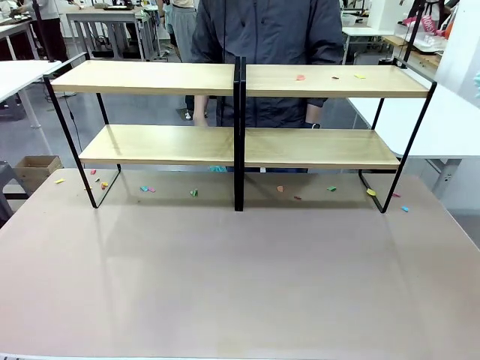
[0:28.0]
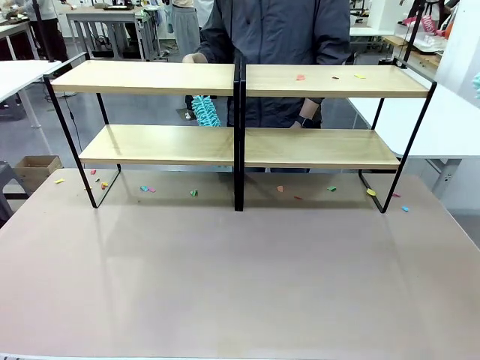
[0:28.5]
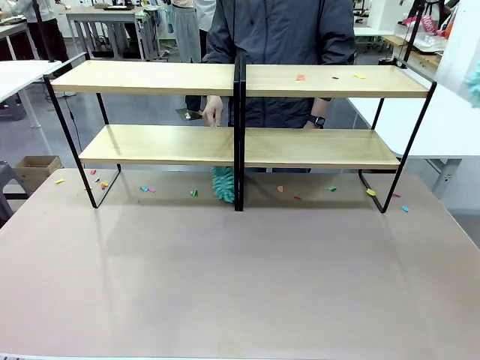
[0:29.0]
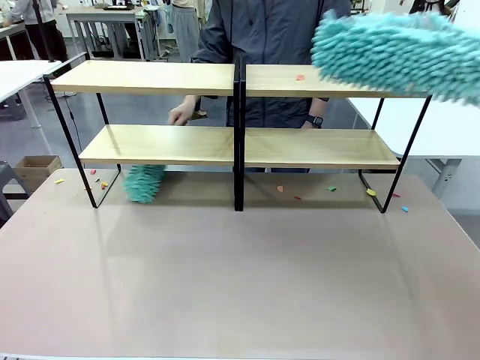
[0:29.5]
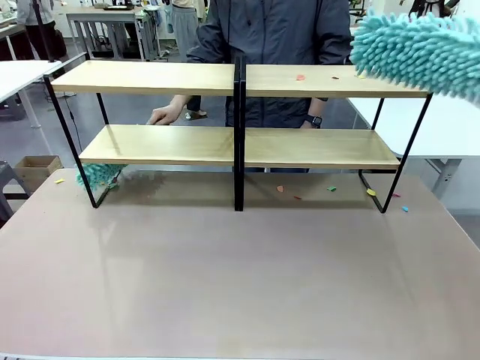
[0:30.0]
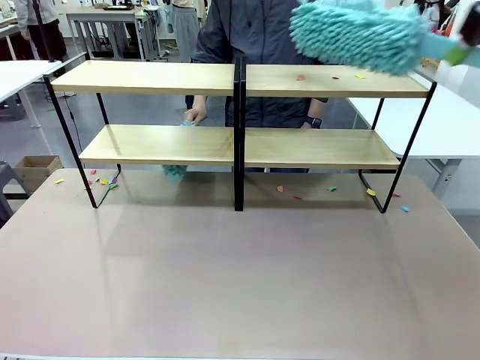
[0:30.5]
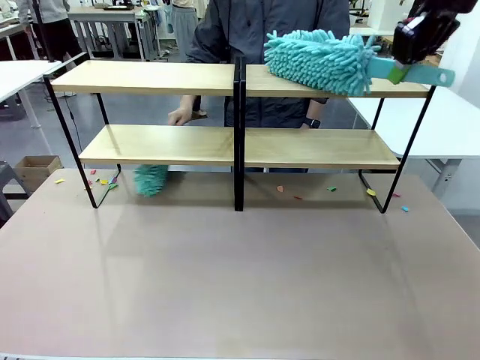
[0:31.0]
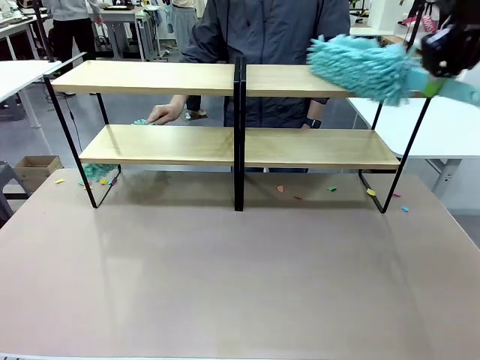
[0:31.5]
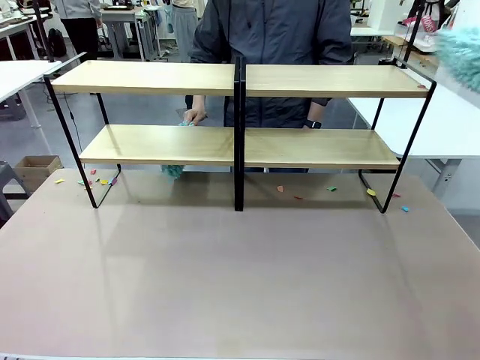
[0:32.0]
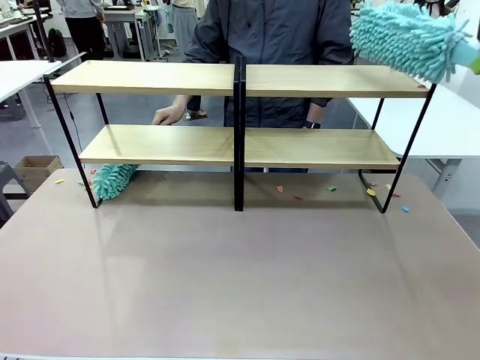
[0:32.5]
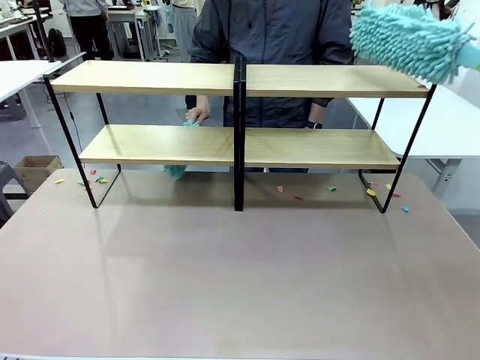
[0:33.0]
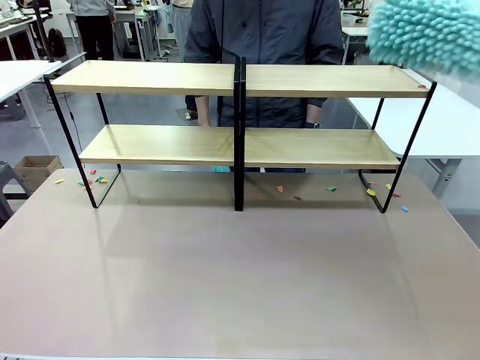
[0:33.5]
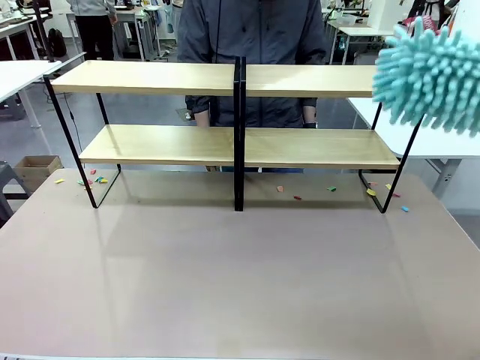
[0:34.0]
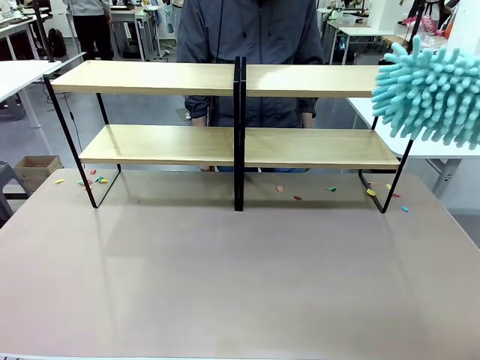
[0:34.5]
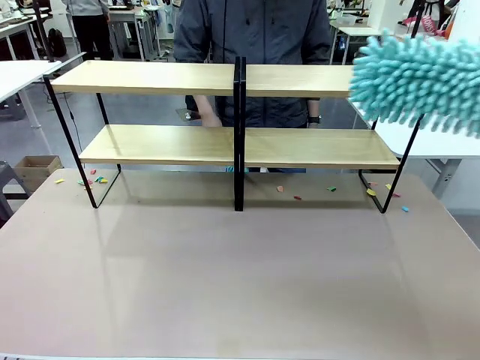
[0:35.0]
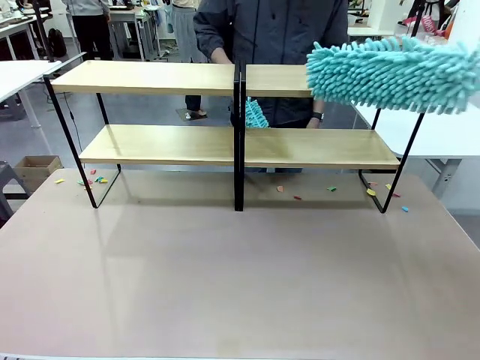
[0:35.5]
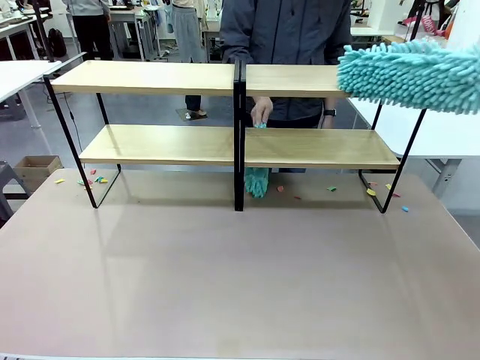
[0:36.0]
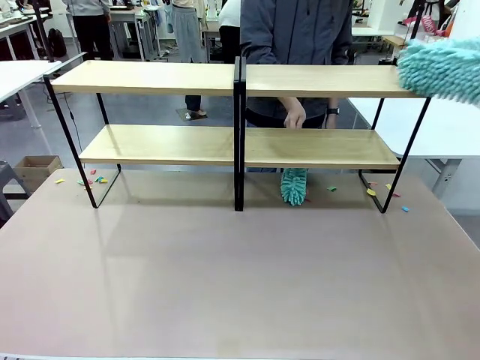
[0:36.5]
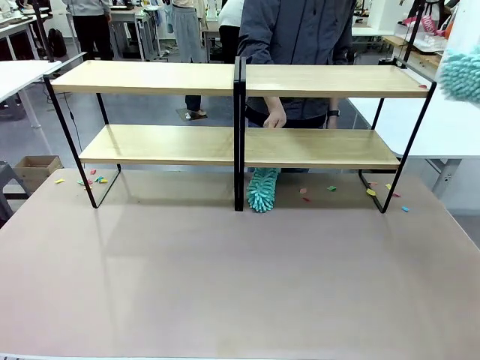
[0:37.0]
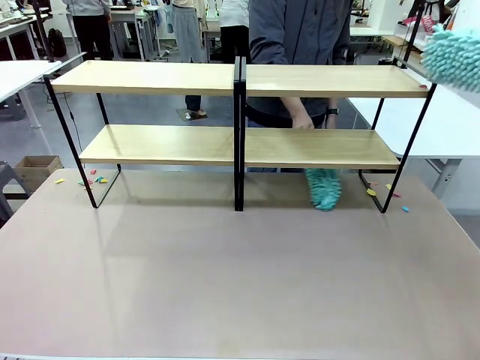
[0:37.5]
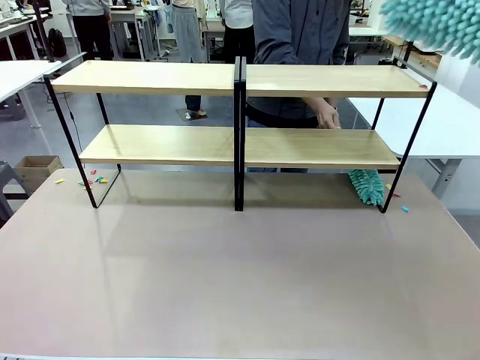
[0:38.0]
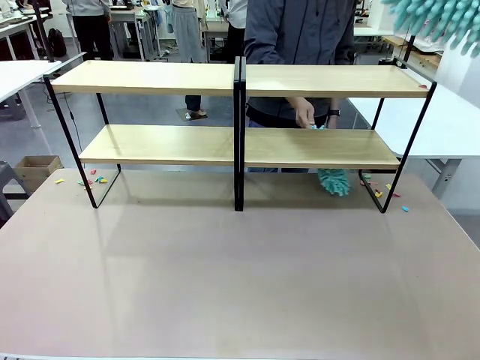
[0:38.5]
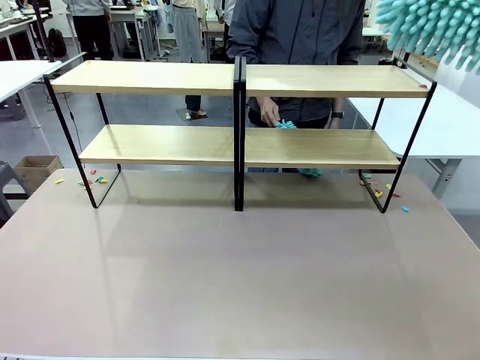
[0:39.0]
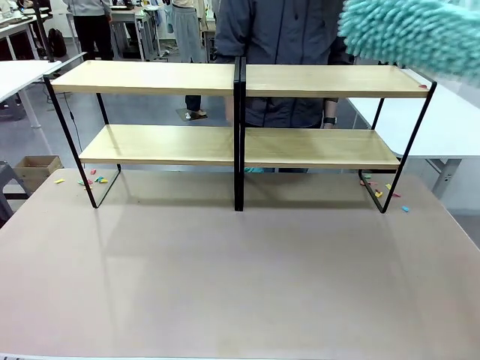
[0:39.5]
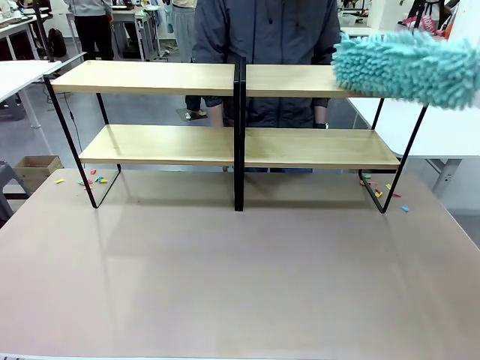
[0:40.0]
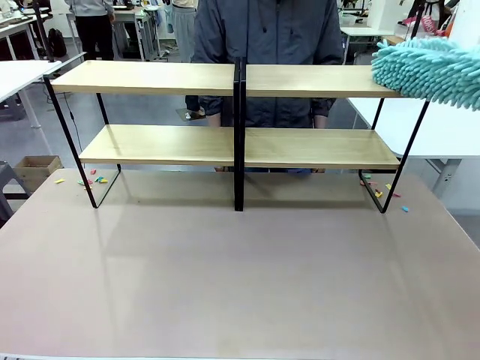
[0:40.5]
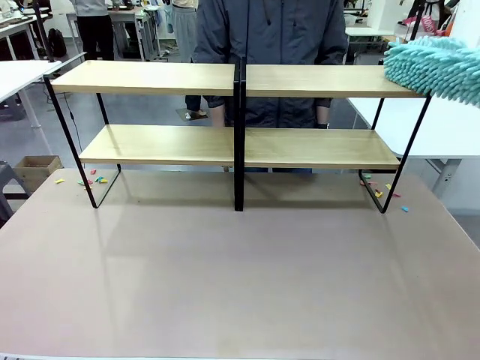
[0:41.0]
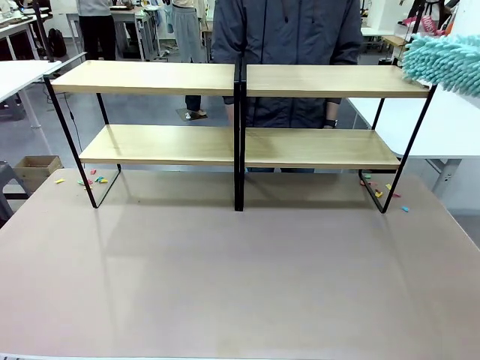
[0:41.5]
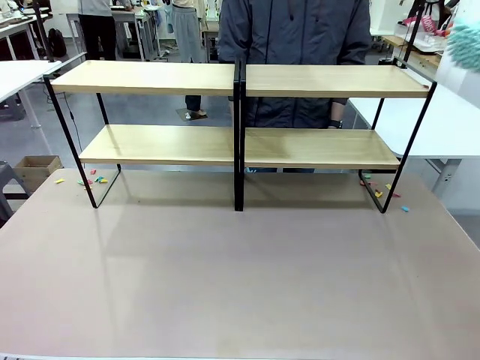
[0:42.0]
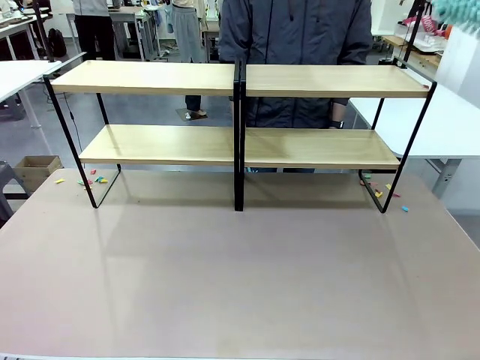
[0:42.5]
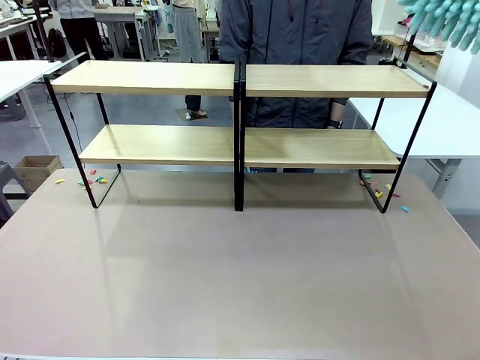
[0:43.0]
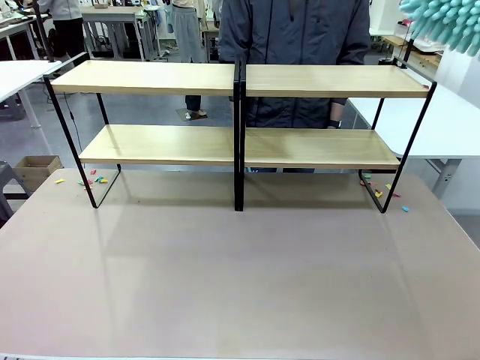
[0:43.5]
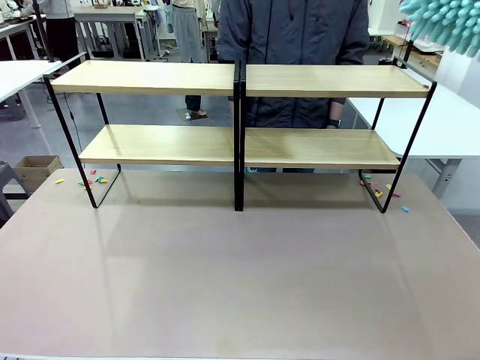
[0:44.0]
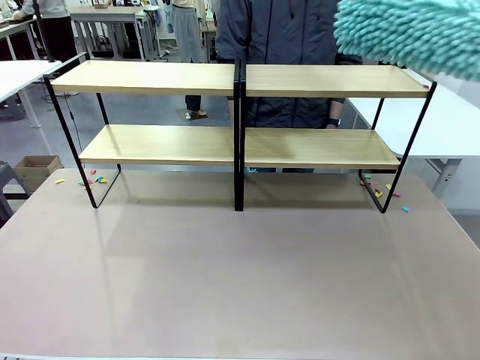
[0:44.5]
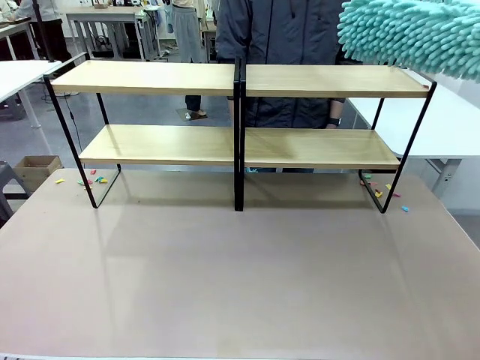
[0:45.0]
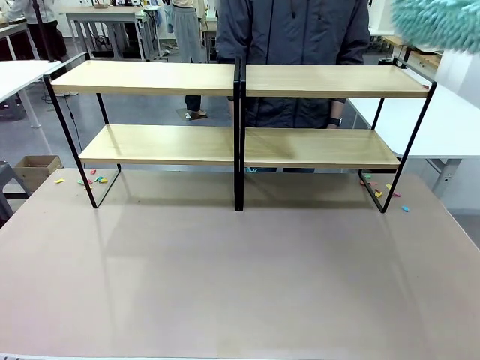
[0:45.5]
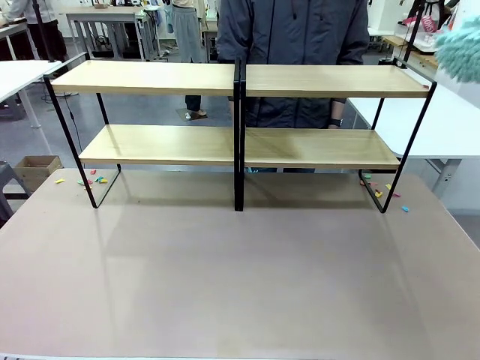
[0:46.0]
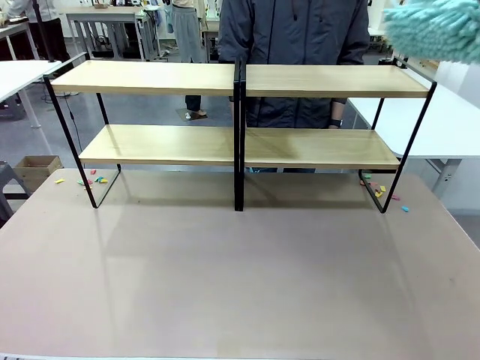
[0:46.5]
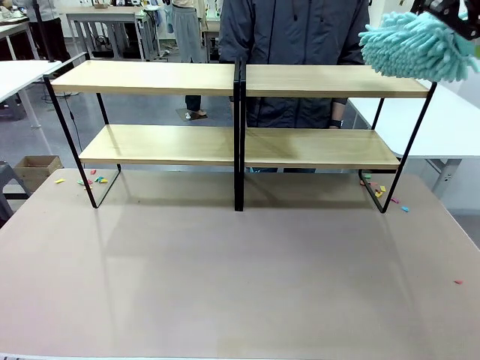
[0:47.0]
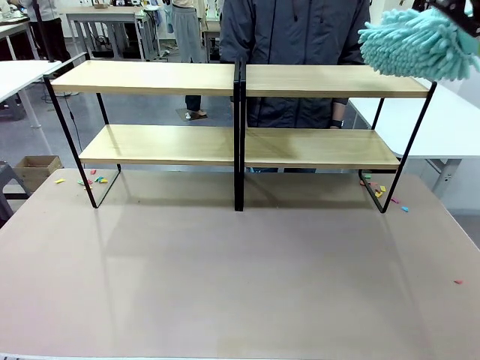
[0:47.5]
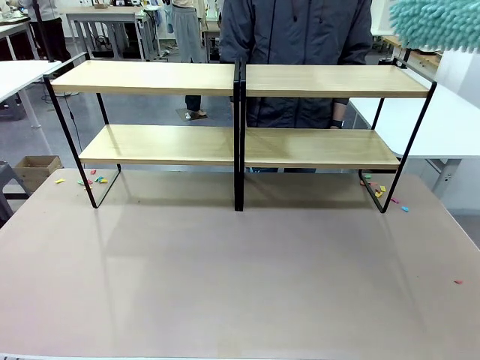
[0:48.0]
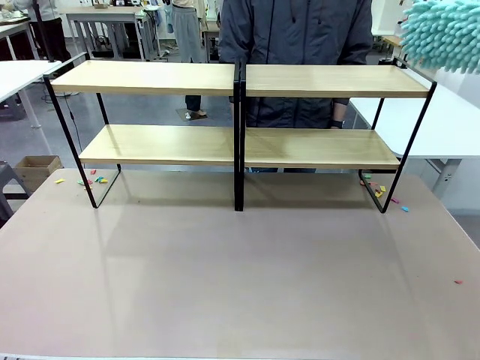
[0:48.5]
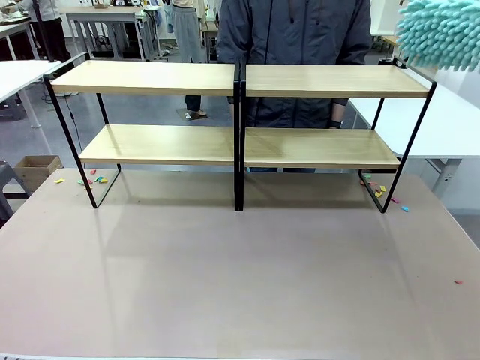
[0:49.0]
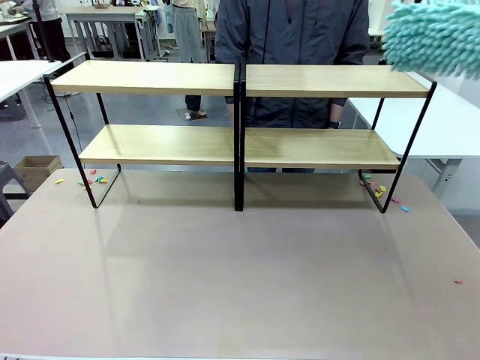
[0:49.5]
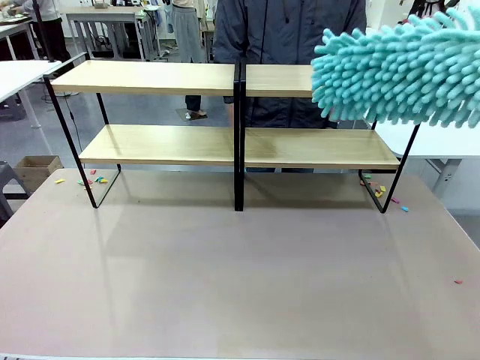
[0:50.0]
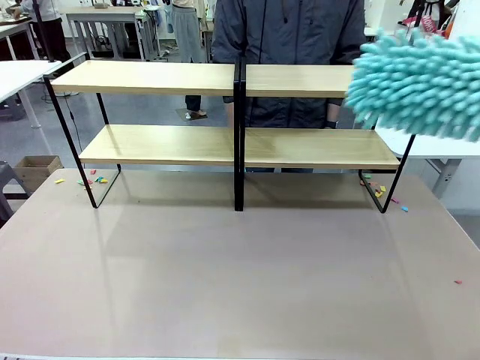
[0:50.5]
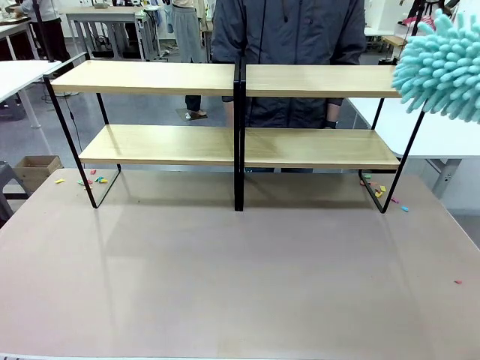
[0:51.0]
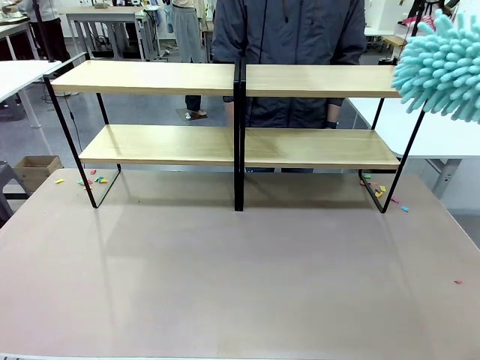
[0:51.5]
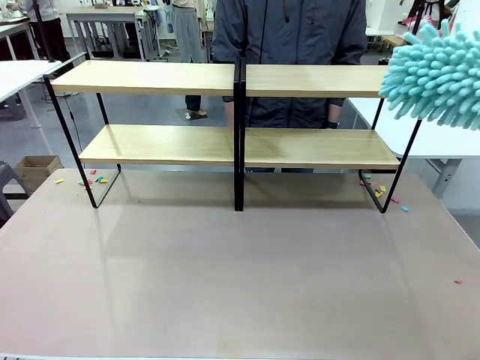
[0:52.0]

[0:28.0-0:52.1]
Task: Clean the shelves.
Robot: Clean another randomly selected level of the Shelf with the Duster.
Person: Clean a randomly selected level of the Shelf with the Duster.

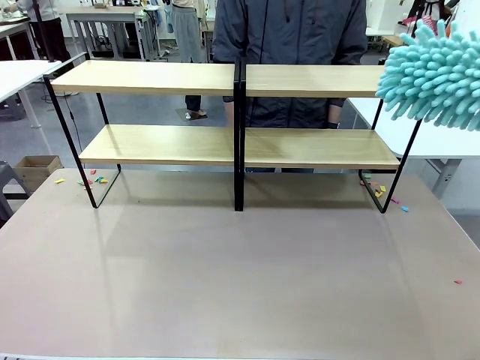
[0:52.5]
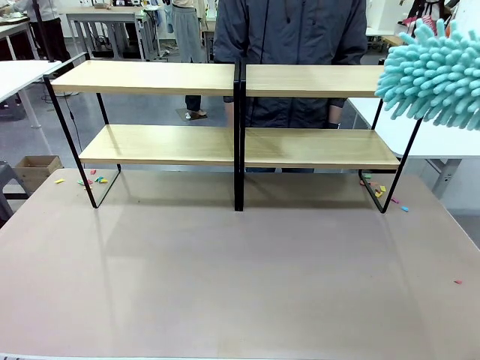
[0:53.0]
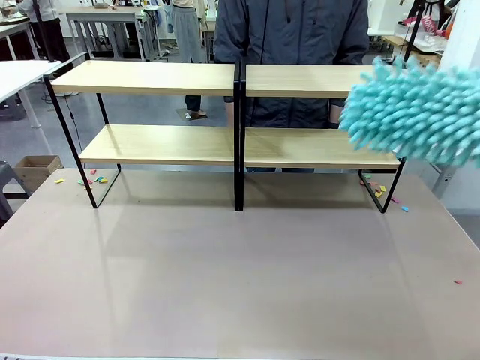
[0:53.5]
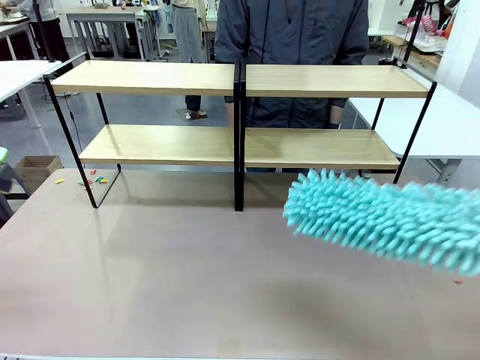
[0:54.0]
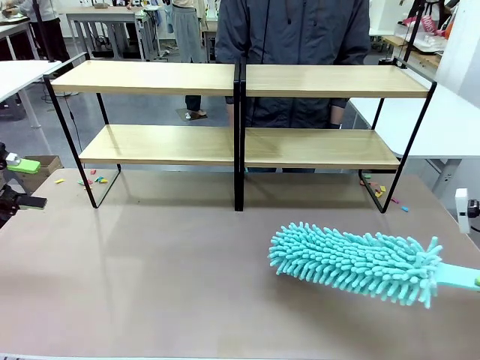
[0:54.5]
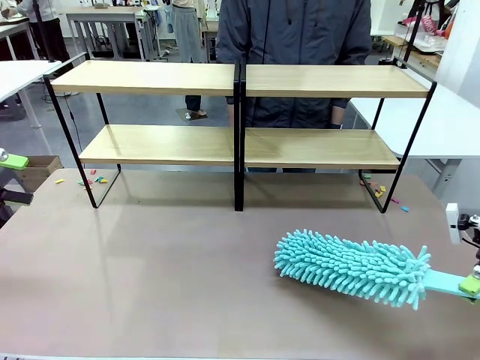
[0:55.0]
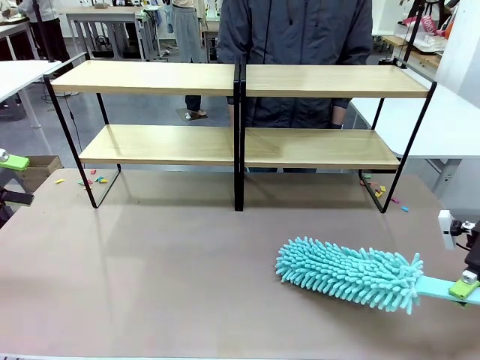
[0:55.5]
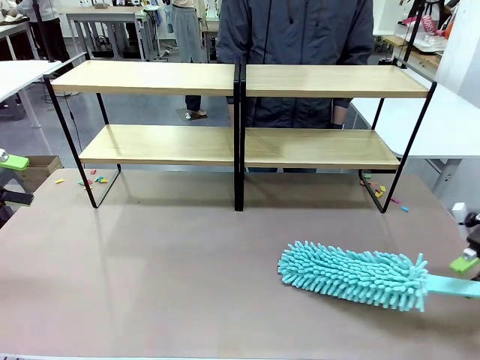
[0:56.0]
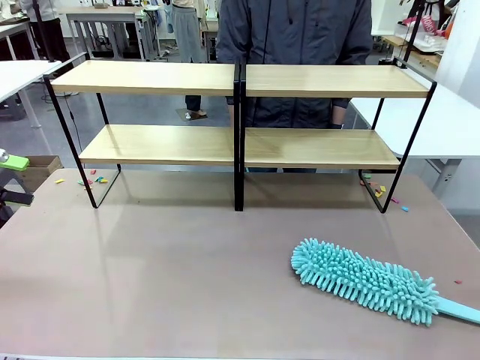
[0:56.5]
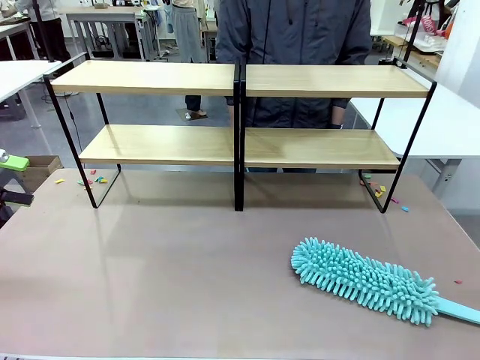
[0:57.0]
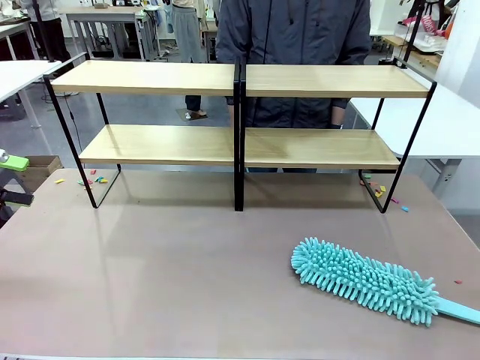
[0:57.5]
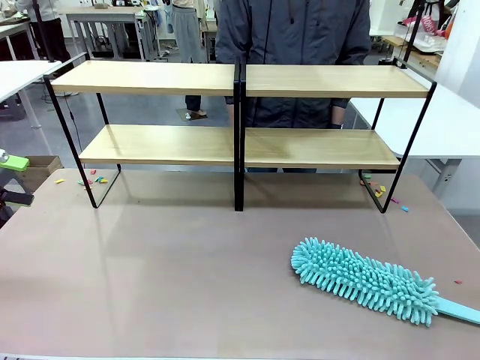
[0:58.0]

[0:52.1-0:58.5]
Robot: Place the Duster on the table.
